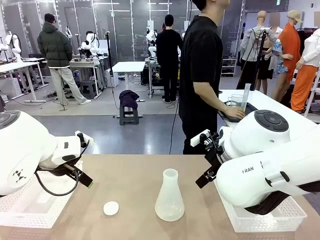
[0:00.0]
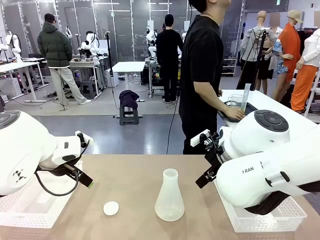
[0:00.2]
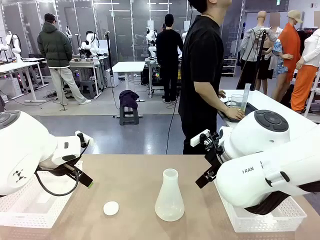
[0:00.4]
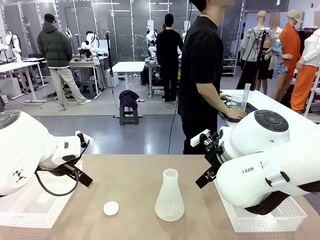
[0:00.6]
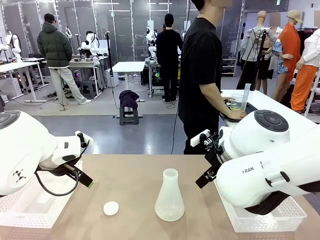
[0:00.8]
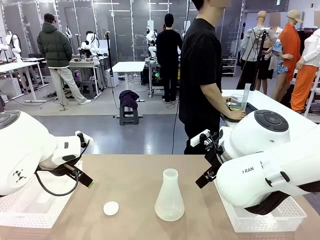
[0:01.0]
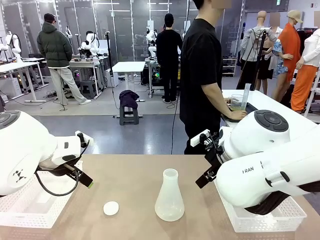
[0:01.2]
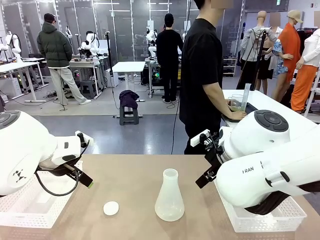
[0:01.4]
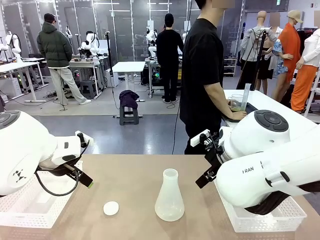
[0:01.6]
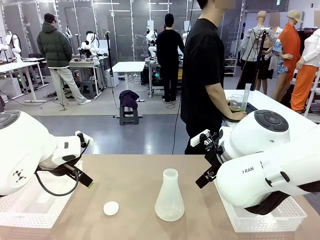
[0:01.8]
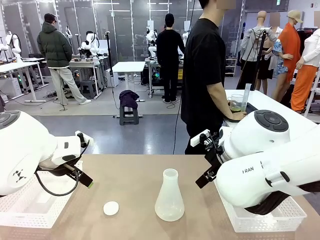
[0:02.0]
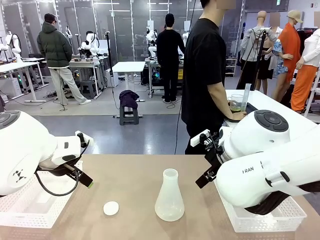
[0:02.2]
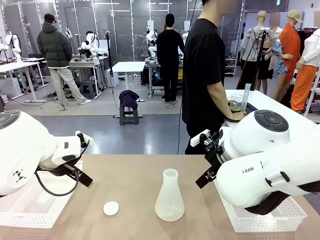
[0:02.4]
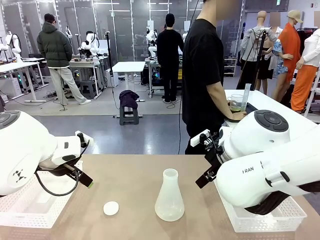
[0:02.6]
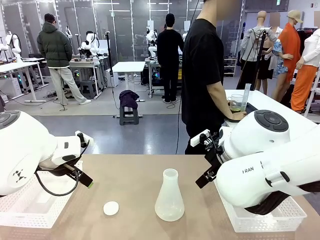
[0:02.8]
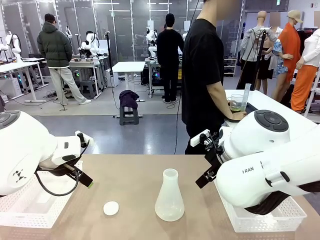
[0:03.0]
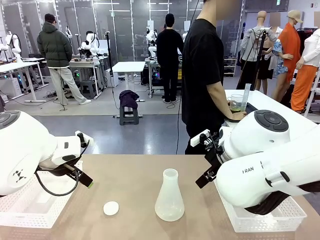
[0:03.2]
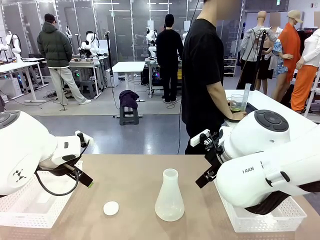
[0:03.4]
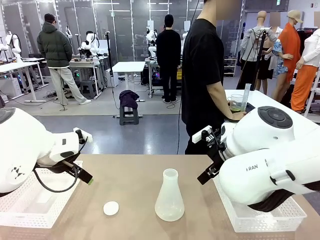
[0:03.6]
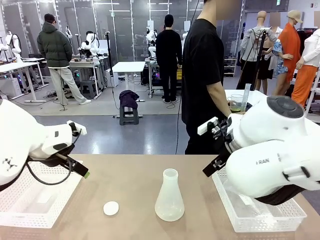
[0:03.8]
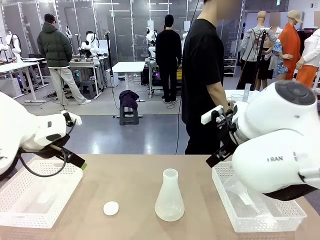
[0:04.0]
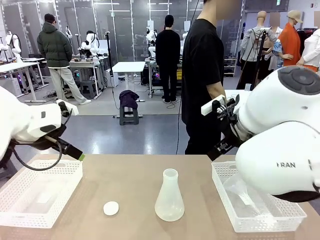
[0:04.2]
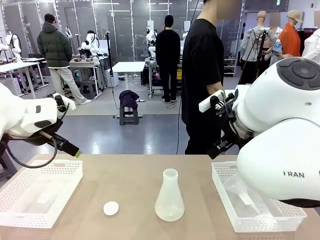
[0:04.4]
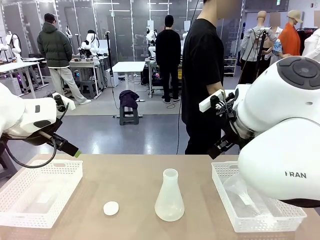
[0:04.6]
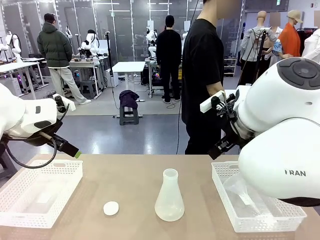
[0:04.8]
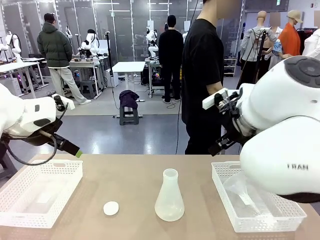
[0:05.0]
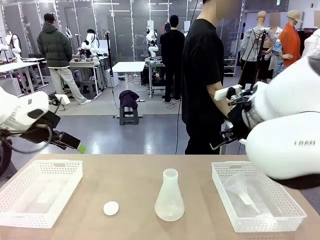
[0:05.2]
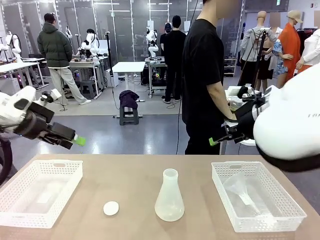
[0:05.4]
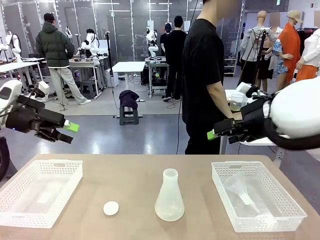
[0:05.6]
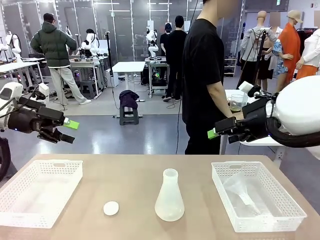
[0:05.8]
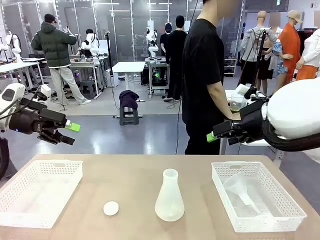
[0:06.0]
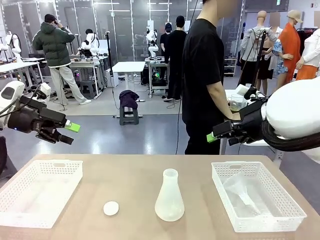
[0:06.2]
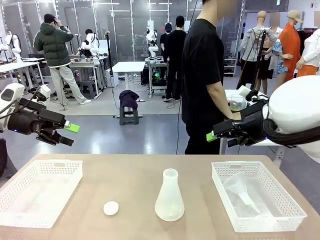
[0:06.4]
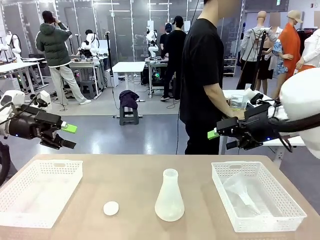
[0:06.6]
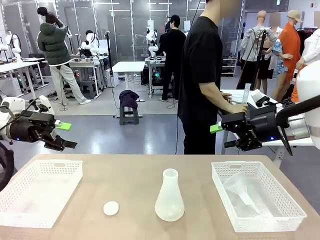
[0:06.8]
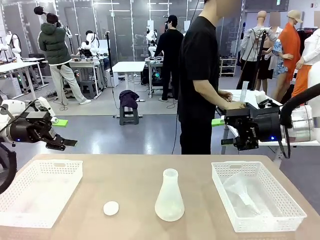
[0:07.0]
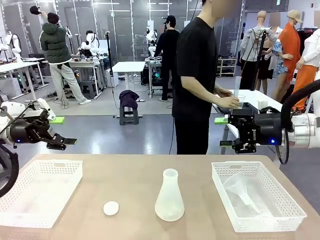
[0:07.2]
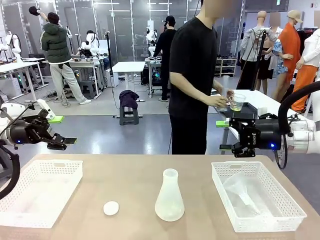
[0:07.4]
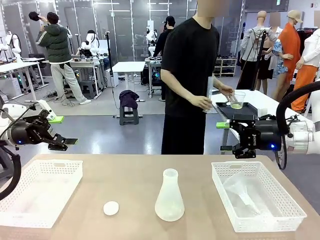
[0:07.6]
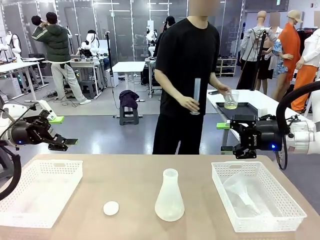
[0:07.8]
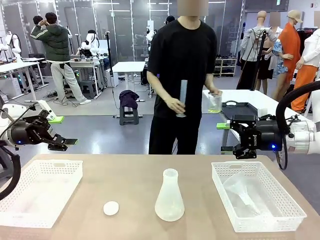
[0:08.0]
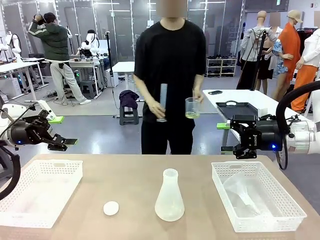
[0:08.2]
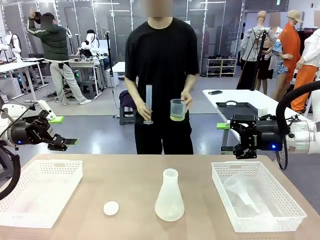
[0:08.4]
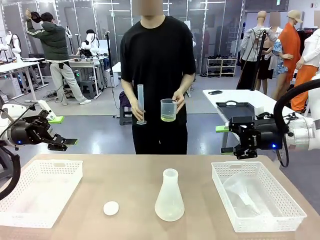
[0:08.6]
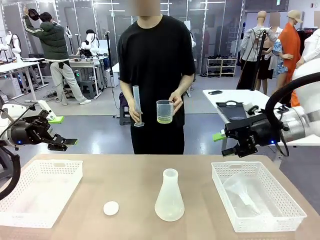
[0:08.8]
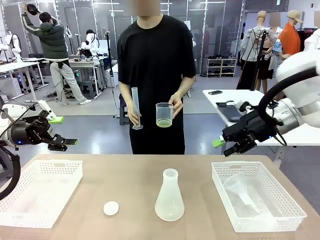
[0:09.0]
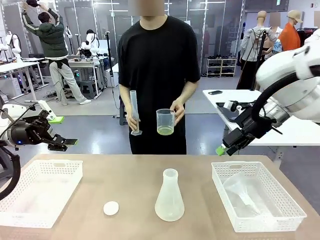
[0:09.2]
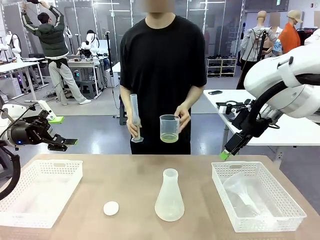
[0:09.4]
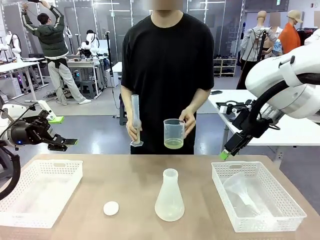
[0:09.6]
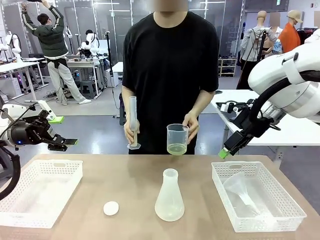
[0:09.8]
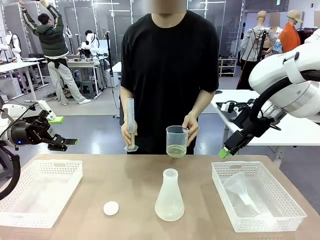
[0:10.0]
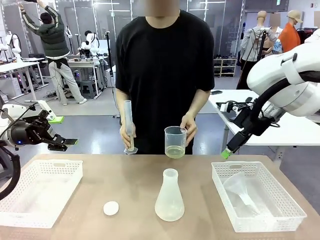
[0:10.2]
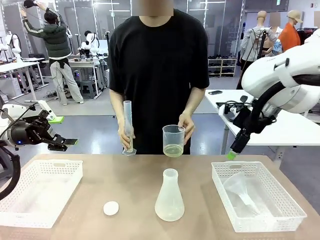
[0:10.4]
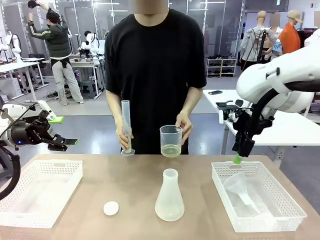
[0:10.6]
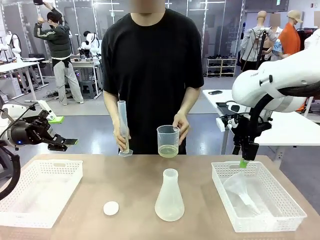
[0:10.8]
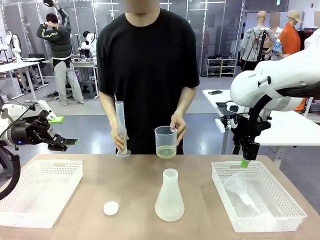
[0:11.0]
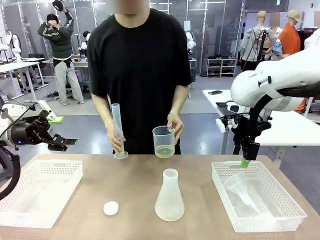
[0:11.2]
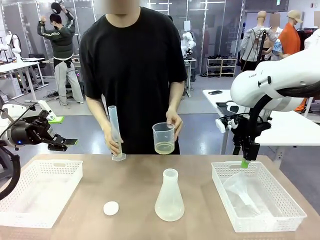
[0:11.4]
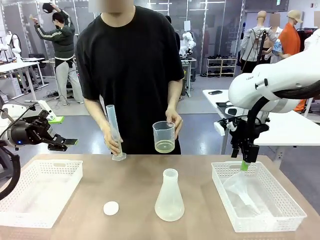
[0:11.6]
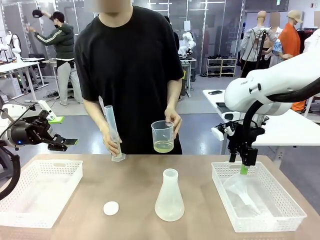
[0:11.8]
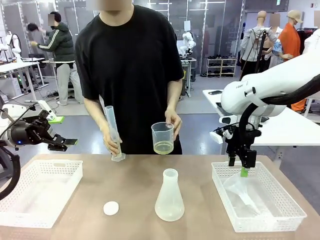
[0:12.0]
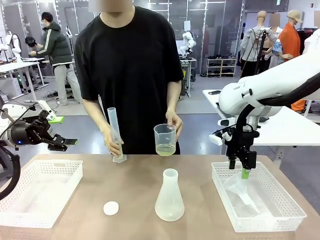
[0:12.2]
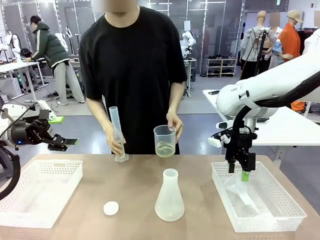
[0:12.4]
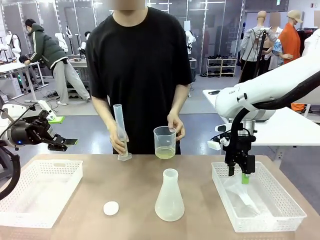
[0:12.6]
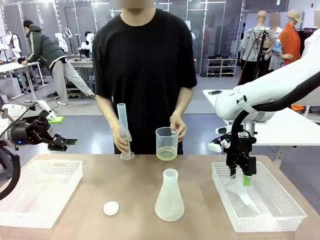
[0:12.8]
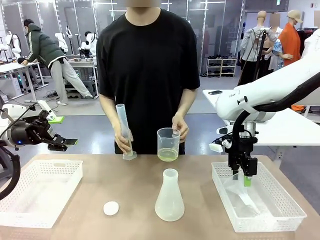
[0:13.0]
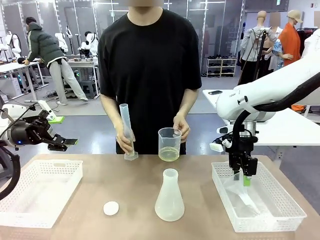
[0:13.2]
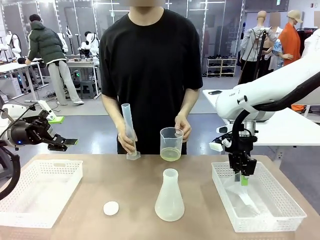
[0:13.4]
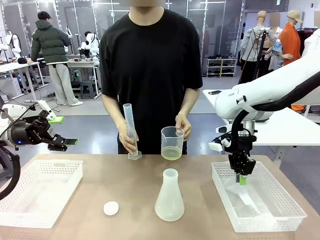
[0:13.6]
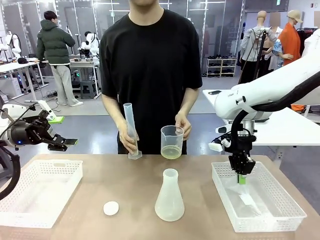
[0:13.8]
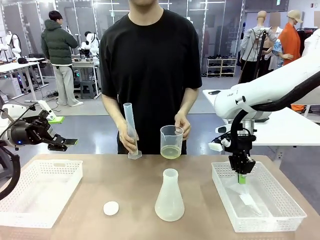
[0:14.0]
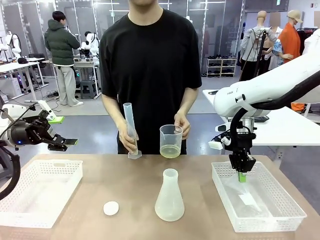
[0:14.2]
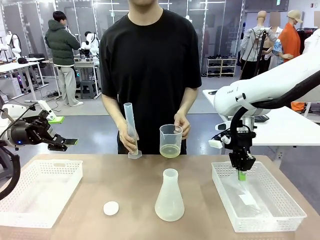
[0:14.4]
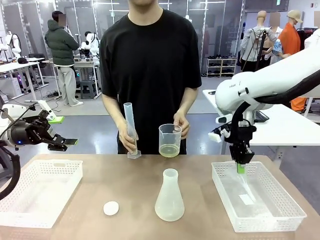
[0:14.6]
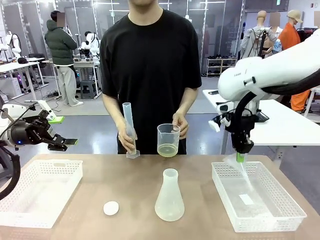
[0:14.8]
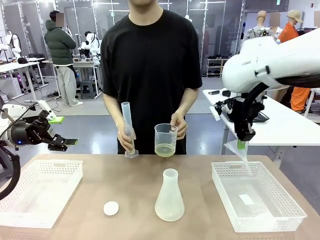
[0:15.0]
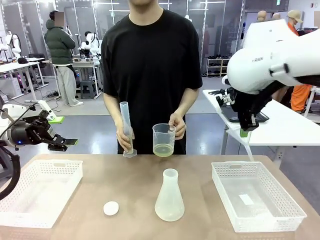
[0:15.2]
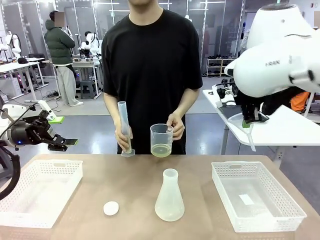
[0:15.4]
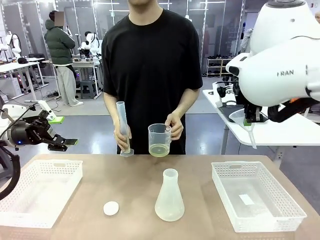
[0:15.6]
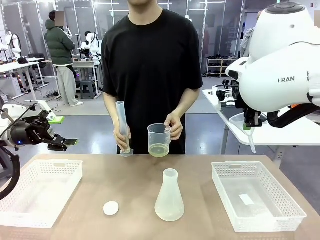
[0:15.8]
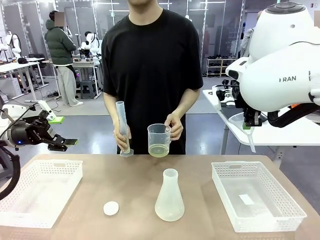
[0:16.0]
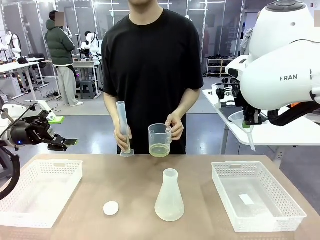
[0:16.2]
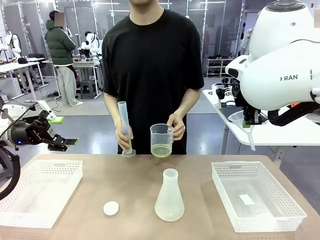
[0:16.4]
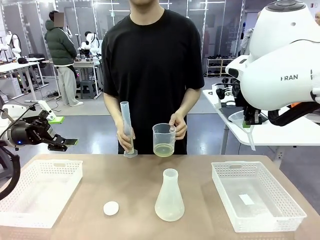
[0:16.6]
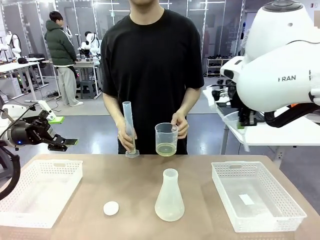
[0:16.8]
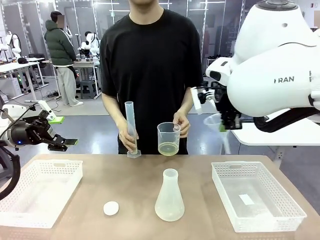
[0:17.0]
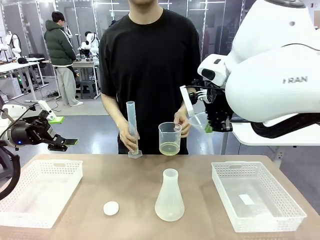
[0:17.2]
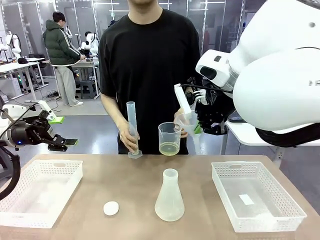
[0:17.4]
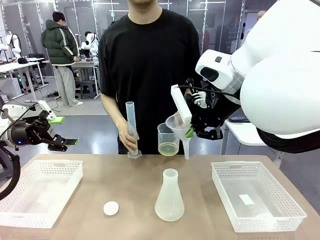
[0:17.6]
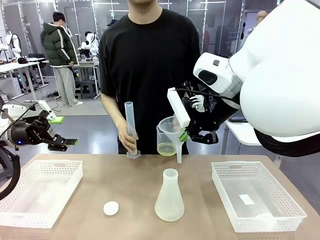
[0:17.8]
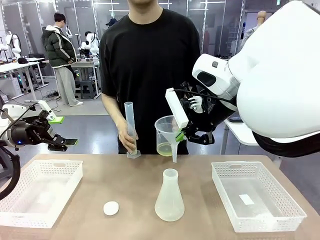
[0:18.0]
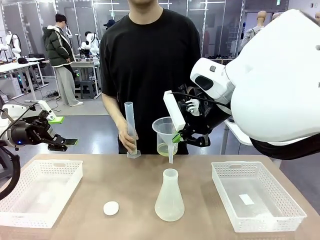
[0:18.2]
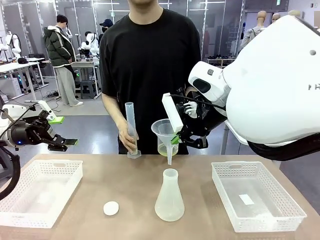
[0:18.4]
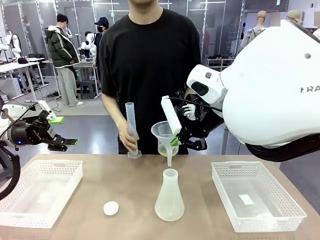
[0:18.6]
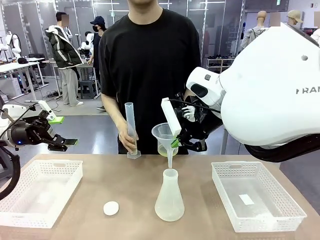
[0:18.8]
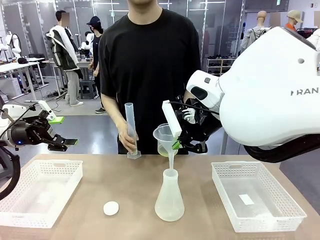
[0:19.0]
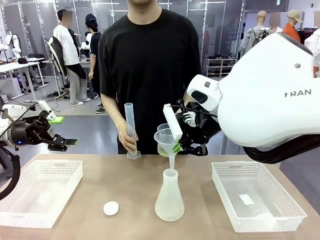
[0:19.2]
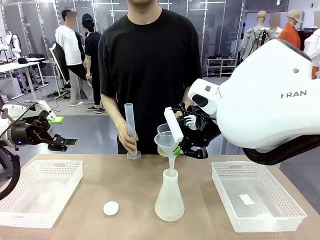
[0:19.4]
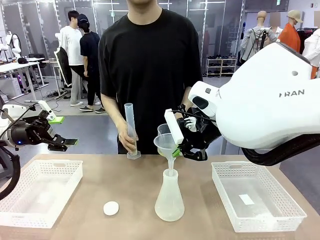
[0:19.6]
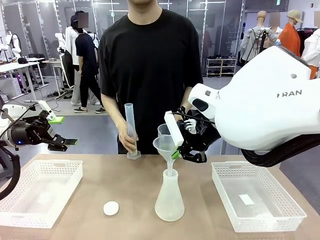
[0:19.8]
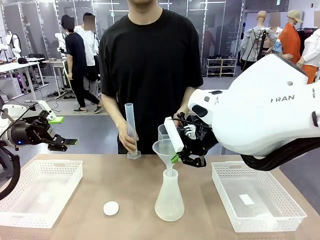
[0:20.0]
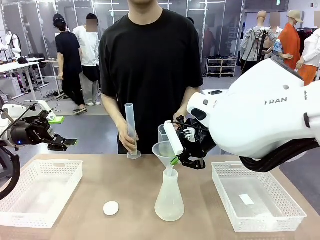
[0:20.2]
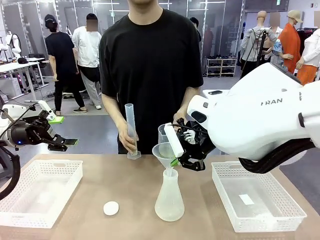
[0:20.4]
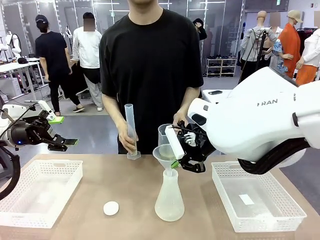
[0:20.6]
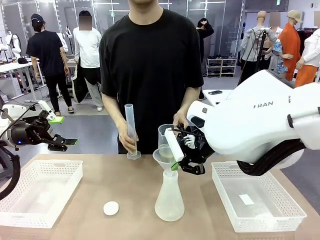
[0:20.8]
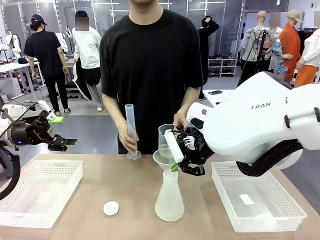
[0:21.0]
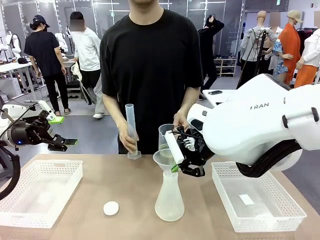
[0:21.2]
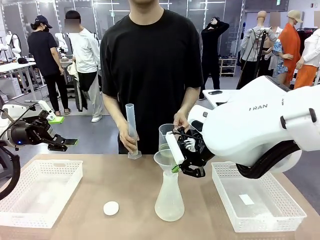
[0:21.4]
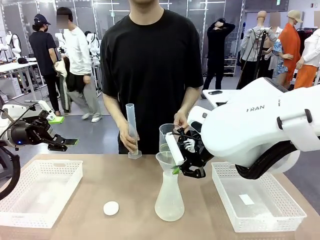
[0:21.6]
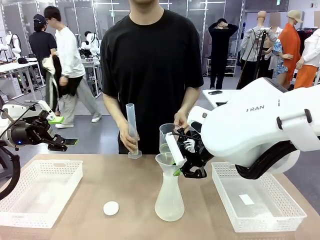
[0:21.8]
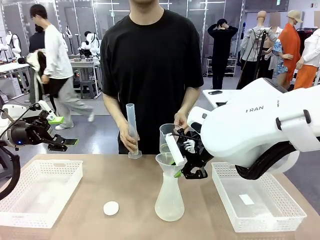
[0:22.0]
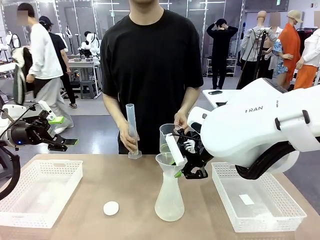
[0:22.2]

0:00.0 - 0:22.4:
Task: Prepare the solutions needed for the experiment.
Robot: Pick up the Plastic Funnel and insert it into the Big flask.
Person: Pick up the beaker and the cylinder and move to the middle of the robot table. Pour the solution from the beaker and the cylinder into the flask.
